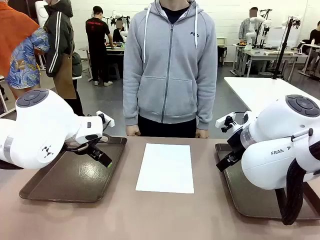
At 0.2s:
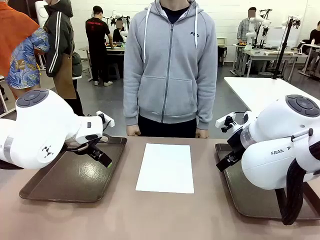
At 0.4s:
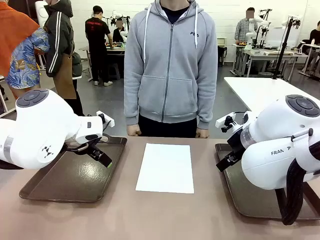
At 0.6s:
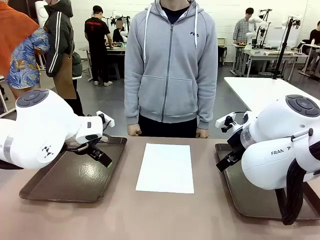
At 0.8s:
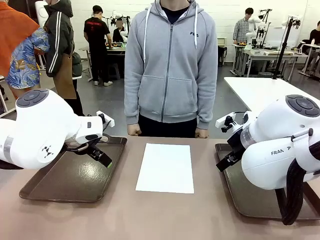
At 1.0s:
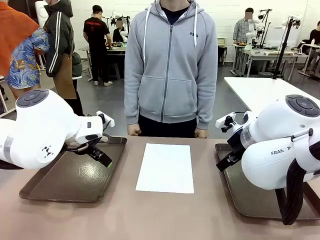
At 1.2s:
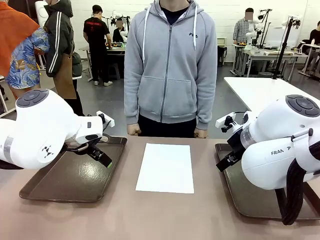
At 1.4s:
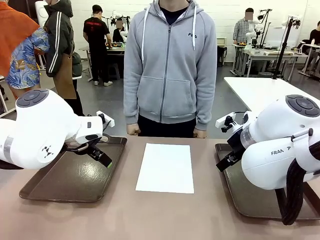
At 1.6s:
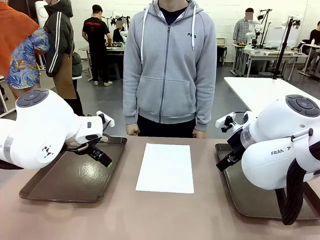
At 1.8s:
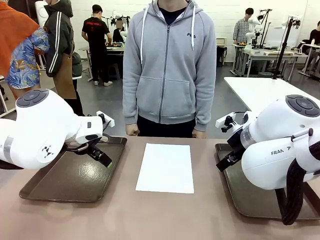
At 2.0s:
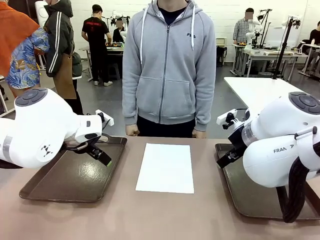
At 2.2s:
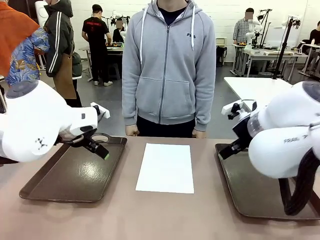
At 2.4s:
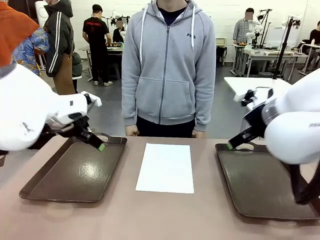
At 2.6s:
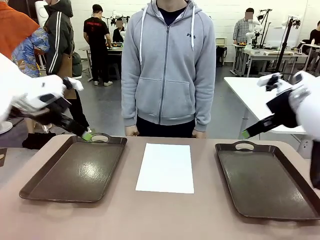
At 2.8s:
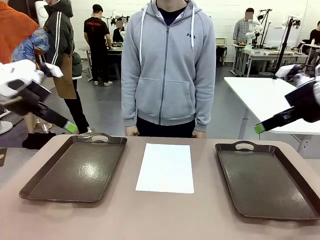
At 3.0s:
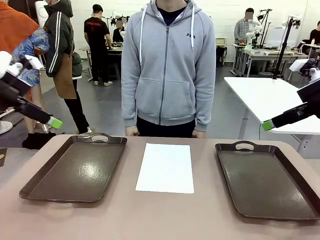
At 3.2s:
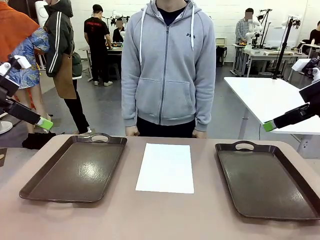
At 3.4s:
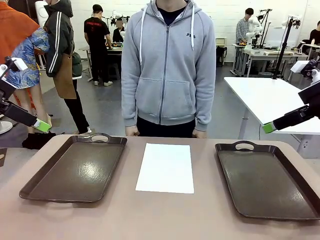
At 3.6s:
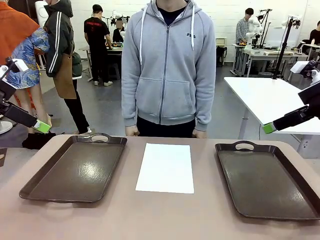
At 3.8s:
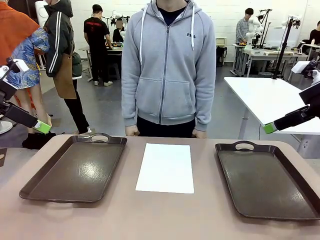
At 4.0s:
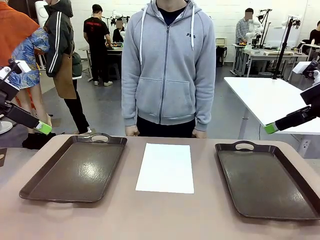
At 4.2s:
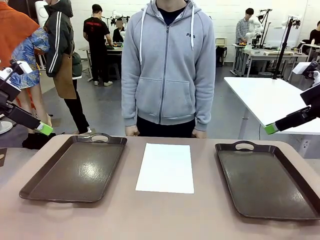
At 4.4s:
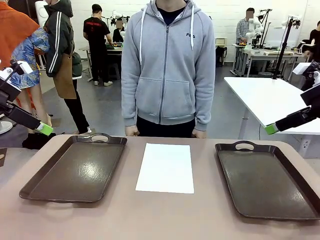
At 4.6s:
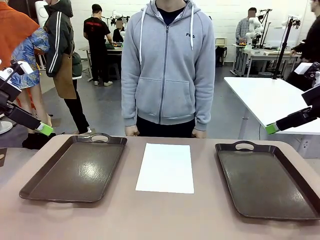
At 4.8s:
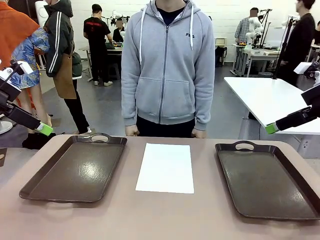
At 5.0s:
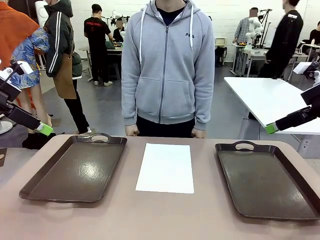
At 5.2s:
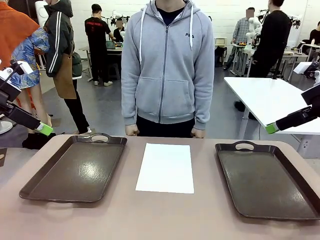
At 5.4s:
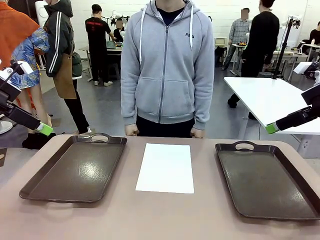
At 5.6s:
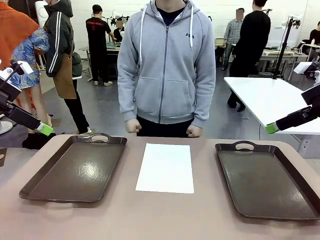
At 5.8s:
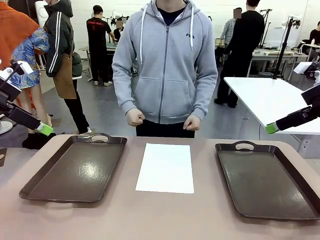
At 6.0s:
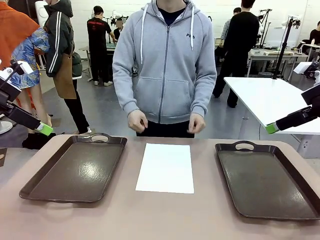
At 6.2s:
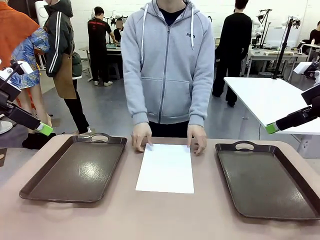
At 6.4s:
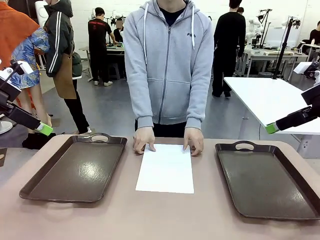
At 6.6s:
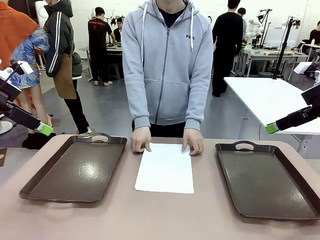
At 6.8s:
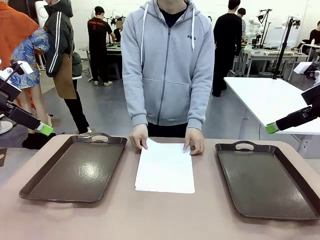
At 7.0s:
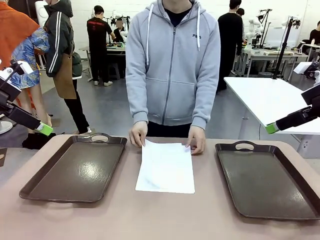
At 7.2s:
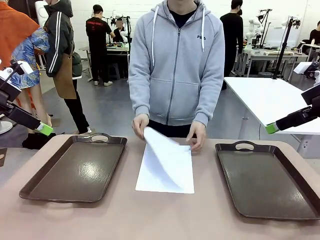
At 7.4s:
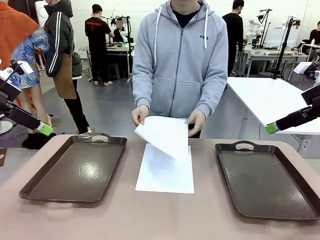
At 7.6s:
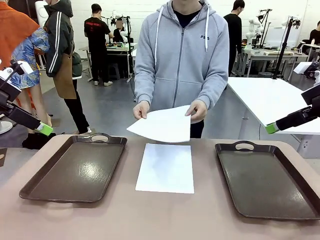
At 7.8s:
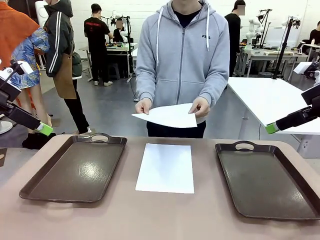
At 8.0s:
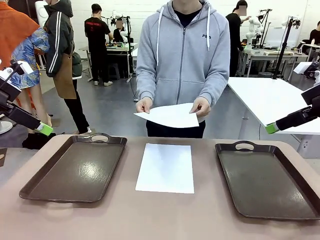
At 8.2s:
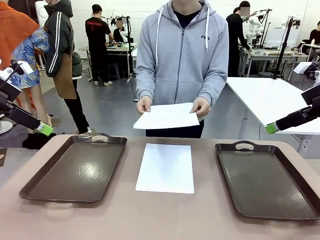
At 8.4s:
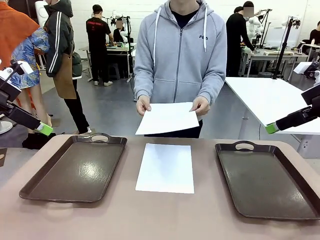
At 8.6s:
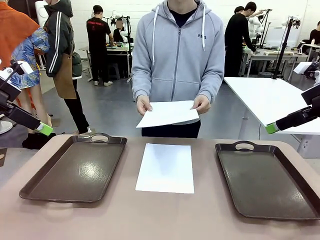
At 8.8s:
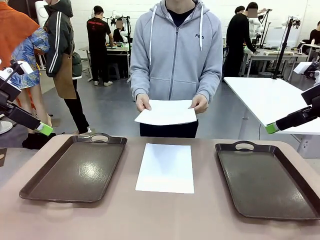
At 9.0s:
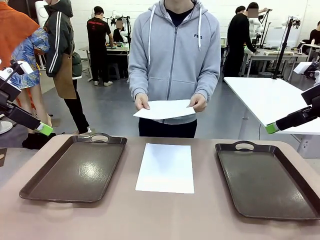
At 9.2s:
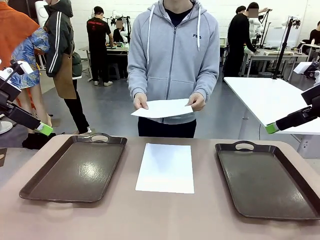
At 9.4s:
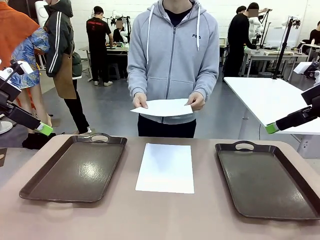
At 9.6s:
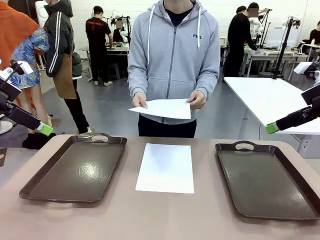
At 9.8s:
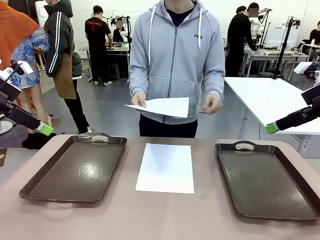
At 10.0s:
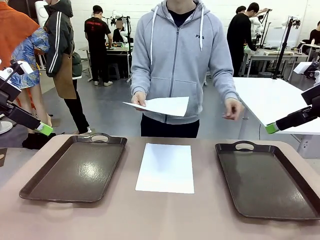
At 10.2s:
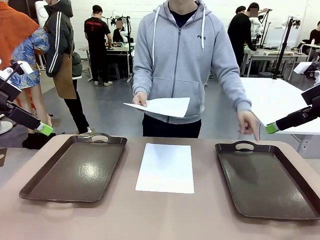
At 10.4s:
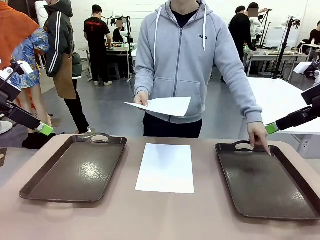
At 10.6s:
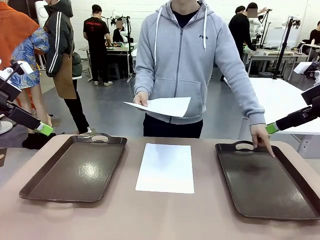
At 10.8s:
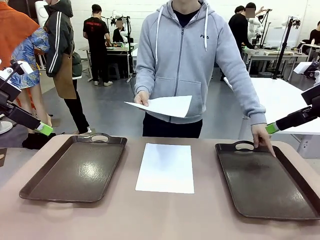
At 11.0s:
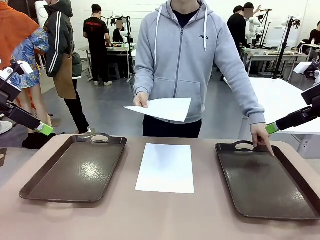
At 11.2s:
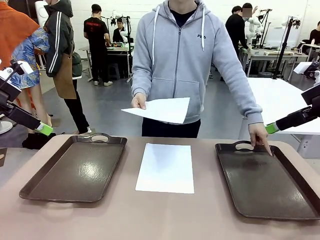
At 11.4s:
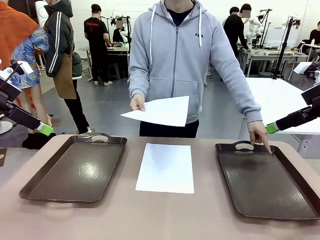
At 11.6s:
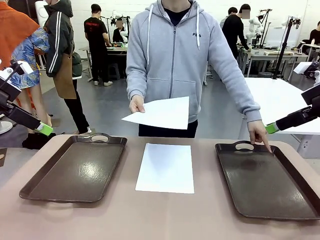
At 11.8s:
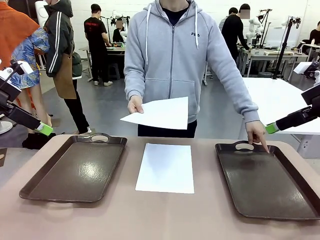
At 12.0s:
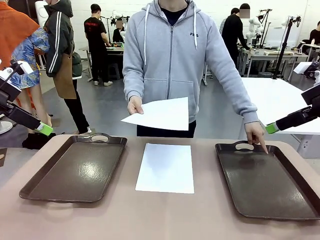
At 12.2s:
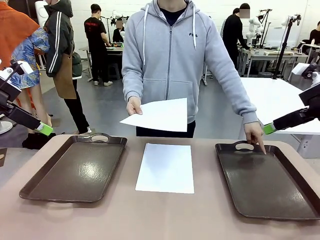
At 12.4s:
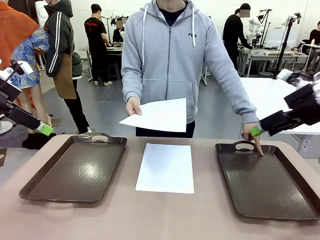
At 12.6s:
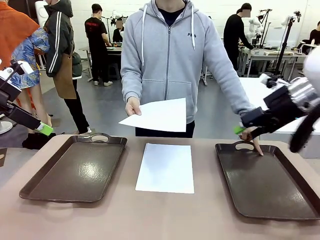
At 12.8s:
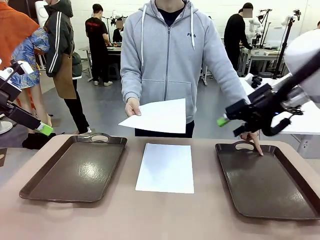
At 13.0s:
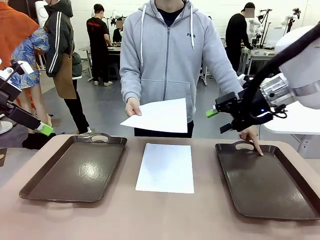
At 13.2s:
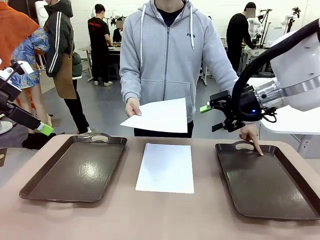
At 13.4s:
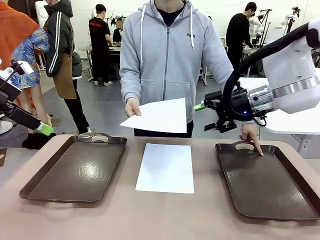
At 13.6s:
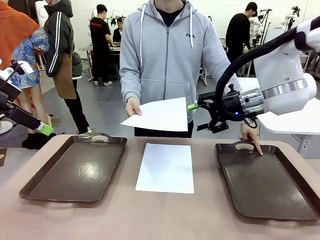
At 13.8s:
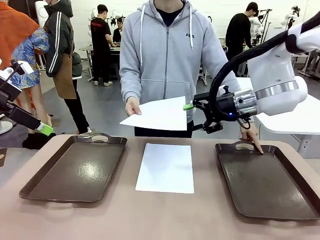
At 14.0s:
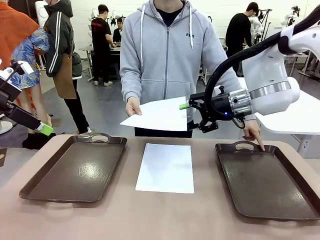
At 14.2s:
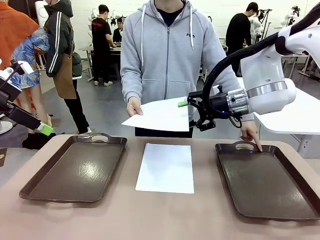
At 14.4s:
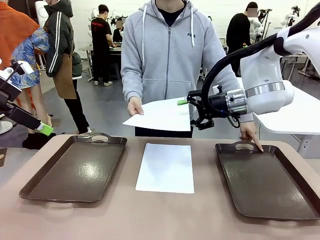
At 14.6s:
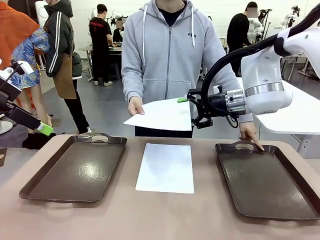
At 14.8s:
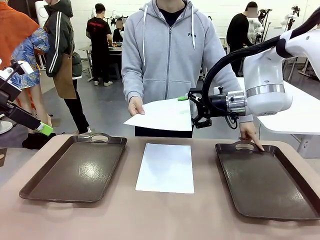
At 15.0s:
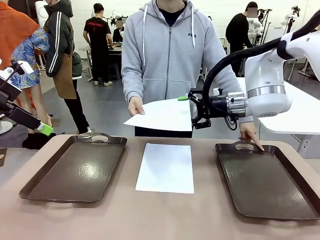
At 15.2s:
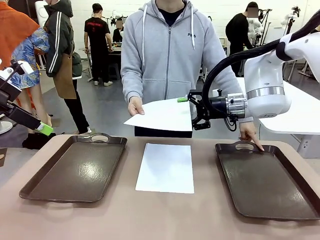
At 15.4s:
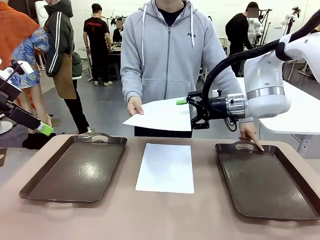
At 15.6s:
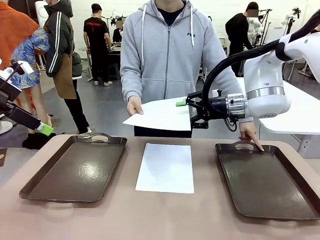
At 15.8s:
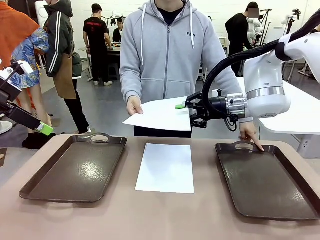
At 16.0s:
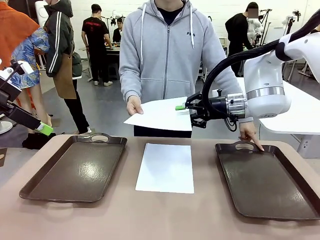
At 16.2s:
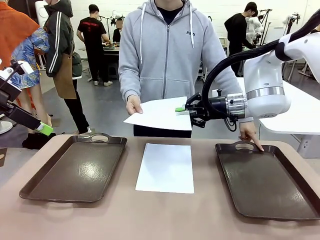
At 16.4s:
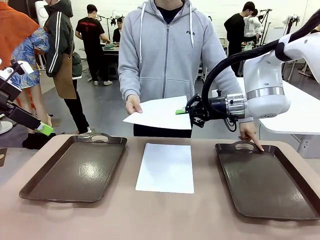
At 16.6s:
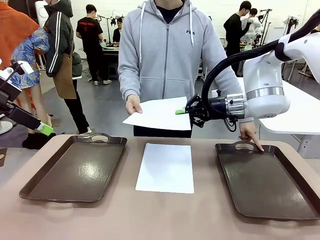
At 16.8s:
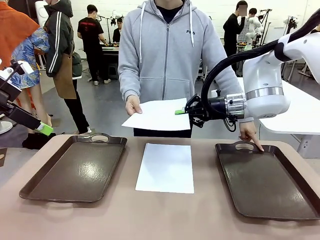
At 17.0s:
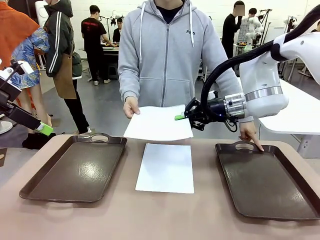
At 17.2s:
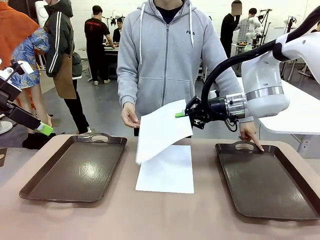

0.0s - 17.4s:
Task: Sort the A4 documents.
Robot: Receive the A4 Paper.
Person: Pick up a sheet of paper from the center of the table and hand it to the robot. Point the randomly selected tray with the other hand.

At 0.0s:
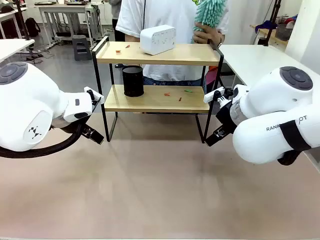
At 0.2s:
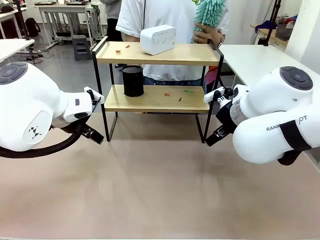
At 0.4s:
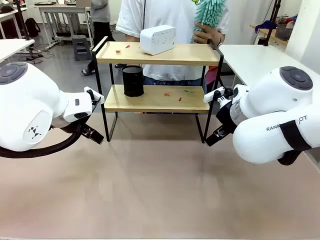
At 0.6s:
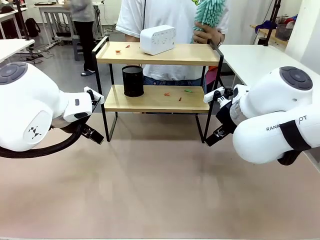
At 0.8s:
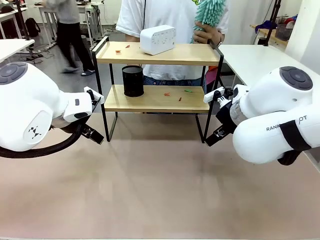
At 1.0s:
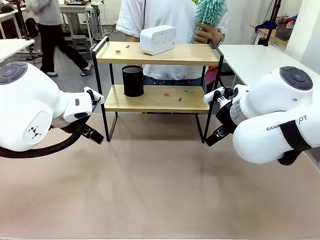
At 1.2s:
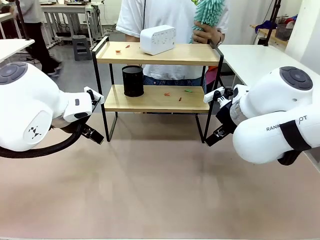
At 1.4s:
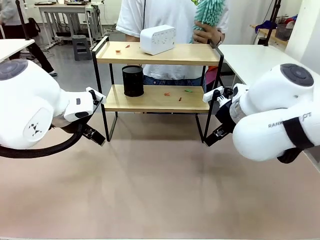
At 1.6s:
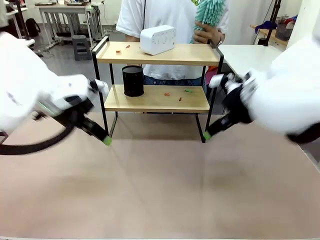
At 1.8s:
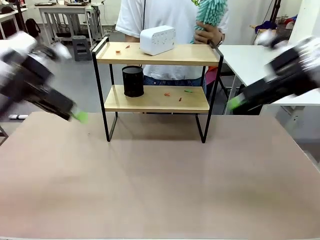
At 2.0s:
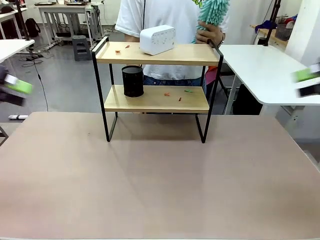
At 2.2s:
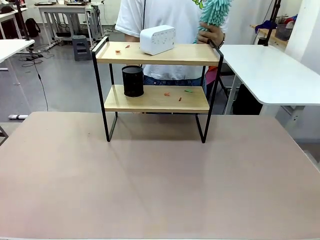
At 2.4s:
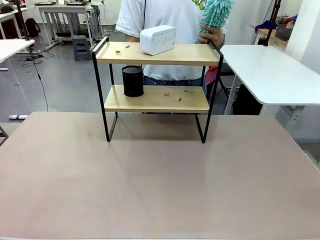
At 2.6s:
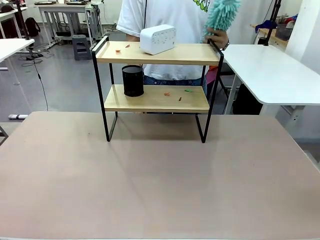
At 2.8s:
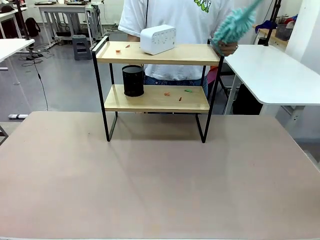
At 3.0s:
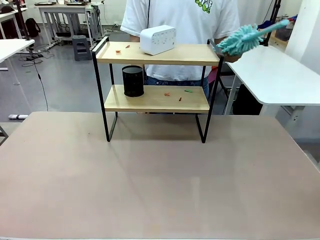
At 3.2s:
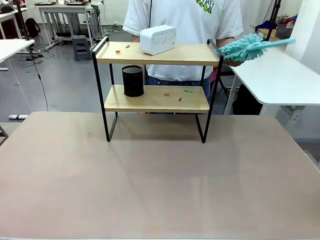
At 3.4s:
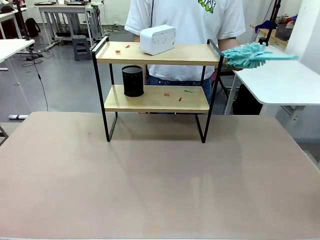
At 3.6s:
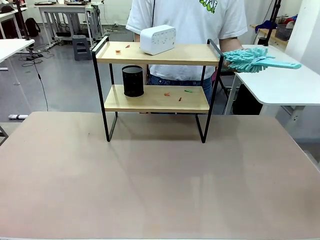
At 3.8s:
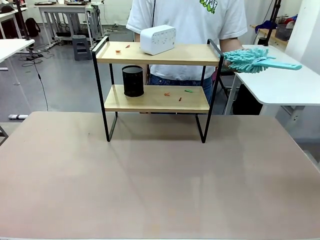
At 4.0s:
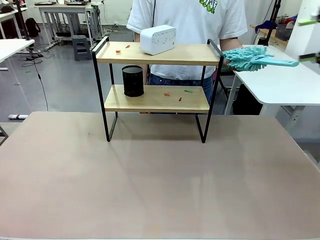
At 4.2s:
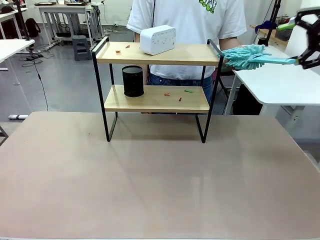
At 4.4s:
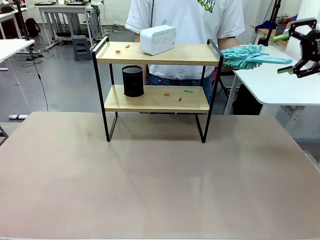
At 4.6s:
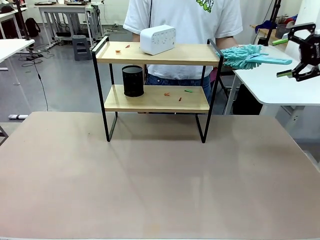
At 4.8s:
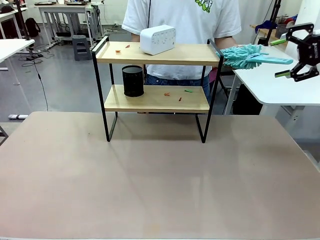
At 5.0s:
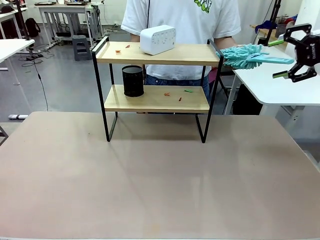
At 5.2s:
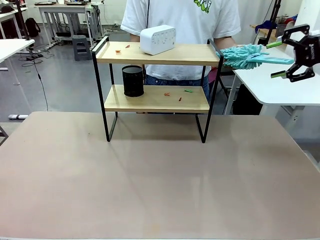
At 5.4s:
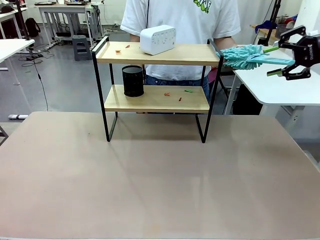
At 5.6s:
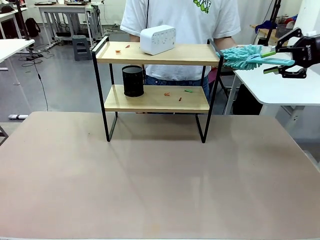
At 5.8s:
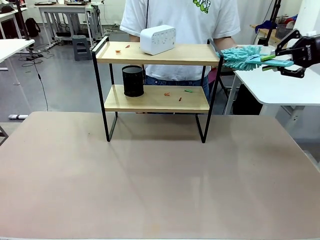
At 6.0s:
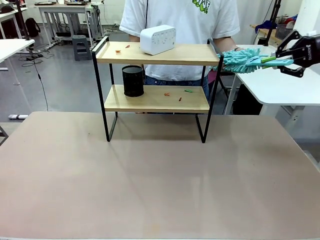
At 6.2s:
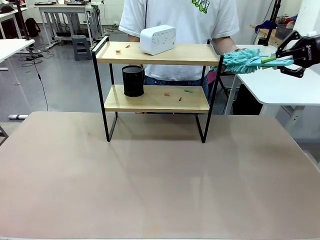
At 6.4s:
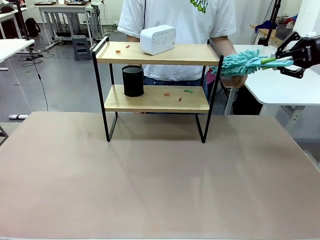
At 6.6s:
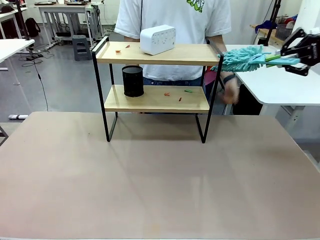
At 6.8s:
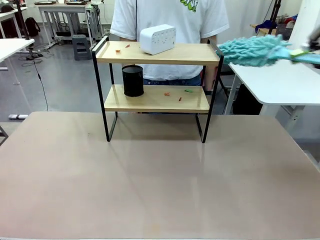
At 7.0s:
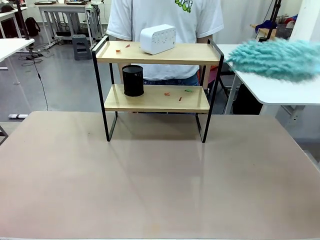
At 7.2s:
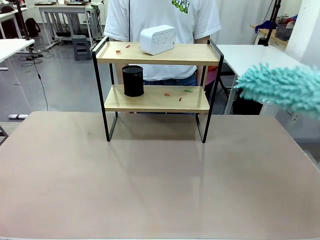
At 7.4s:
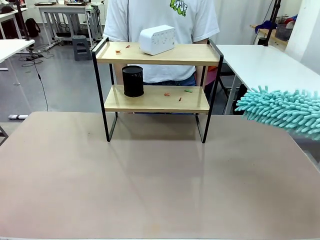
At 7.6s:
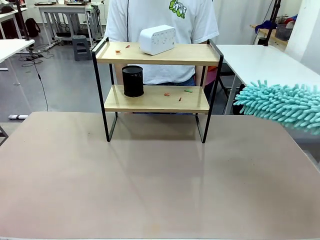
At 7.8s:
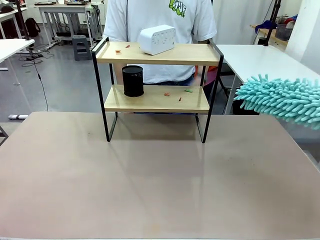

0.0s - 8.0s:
Task: Clean the shelf.
Robot: Pick up the Duster from the human.
Person: Hand the Duster to the robot.
